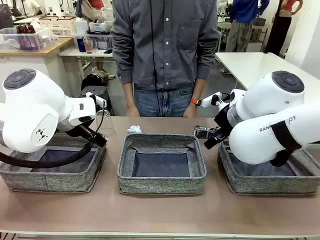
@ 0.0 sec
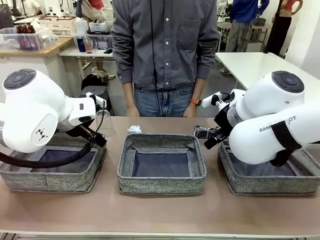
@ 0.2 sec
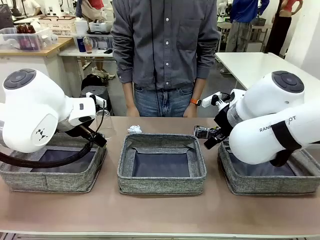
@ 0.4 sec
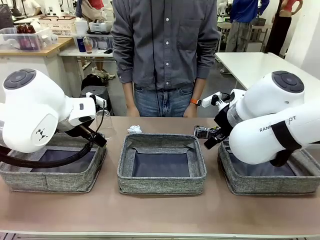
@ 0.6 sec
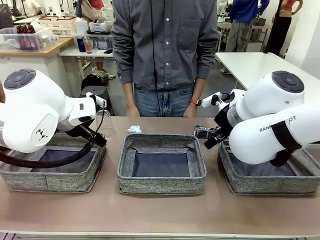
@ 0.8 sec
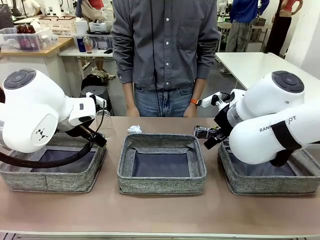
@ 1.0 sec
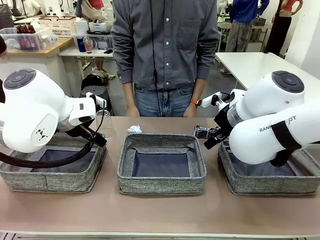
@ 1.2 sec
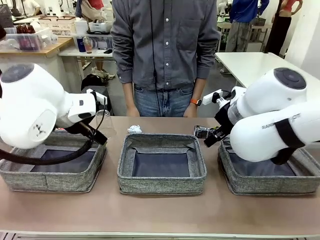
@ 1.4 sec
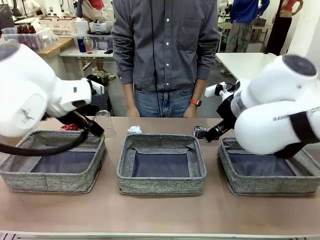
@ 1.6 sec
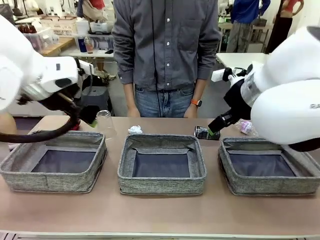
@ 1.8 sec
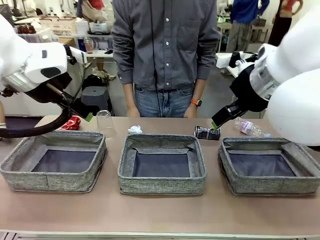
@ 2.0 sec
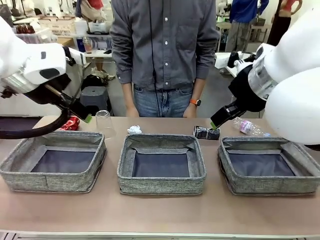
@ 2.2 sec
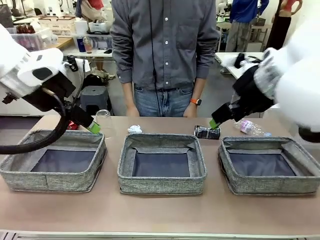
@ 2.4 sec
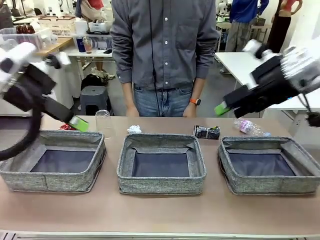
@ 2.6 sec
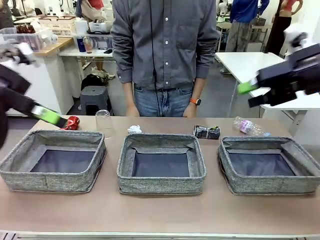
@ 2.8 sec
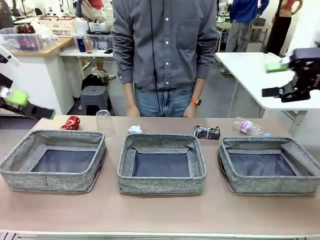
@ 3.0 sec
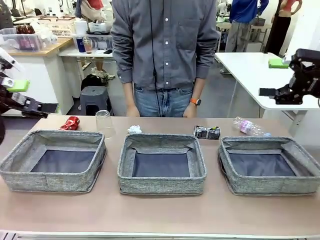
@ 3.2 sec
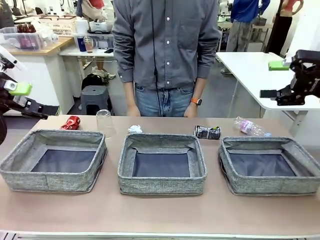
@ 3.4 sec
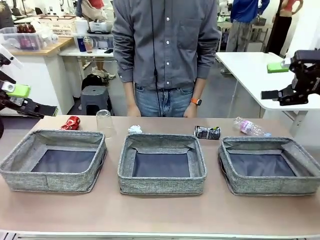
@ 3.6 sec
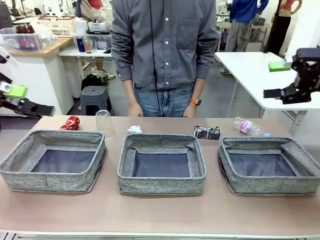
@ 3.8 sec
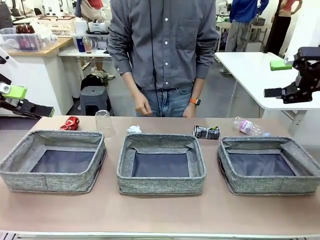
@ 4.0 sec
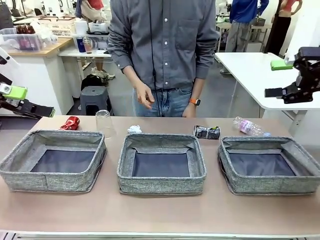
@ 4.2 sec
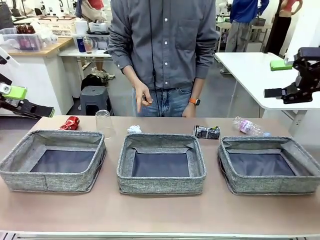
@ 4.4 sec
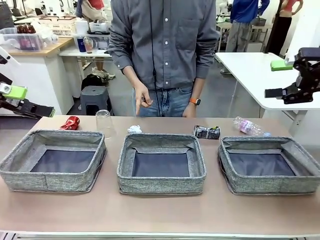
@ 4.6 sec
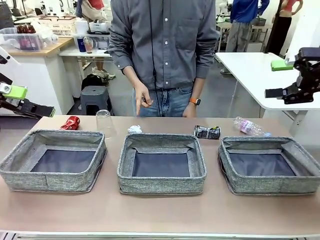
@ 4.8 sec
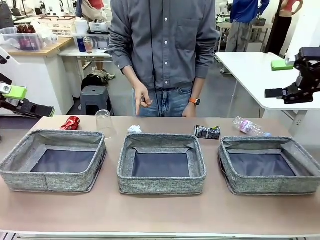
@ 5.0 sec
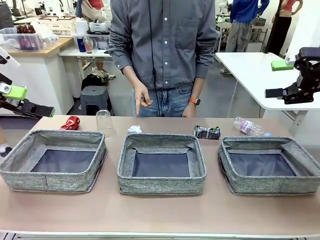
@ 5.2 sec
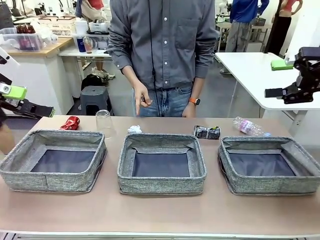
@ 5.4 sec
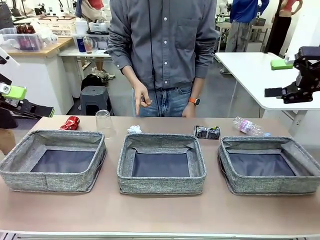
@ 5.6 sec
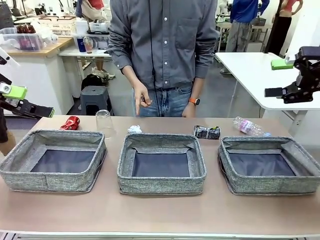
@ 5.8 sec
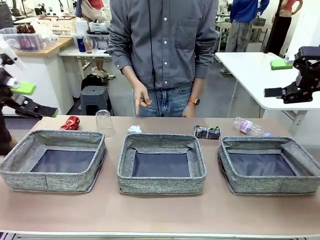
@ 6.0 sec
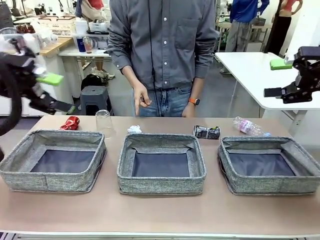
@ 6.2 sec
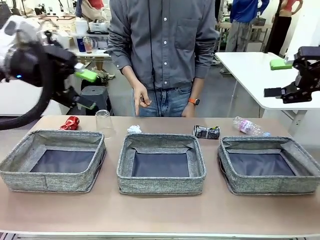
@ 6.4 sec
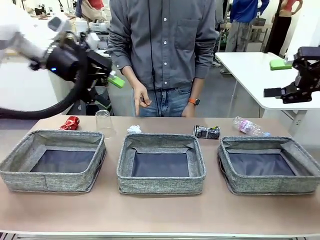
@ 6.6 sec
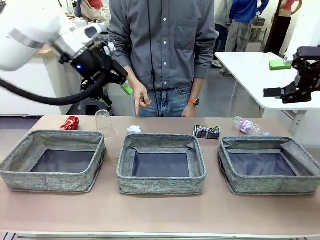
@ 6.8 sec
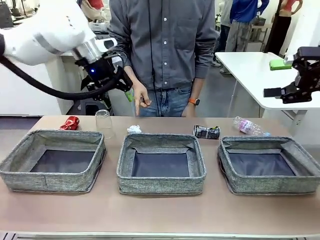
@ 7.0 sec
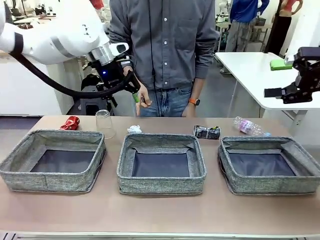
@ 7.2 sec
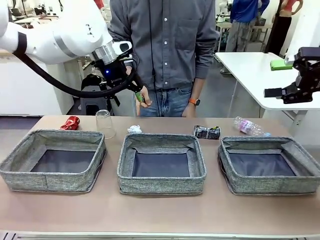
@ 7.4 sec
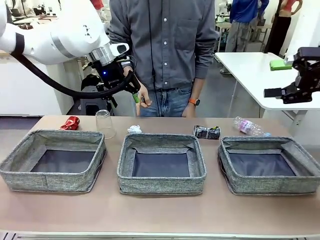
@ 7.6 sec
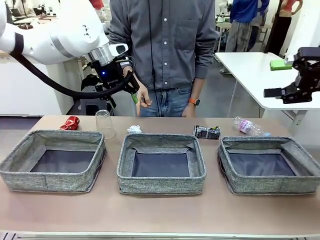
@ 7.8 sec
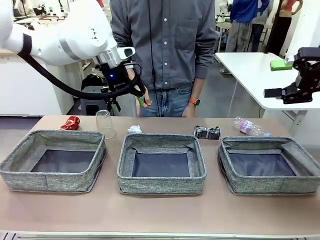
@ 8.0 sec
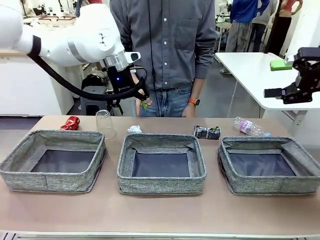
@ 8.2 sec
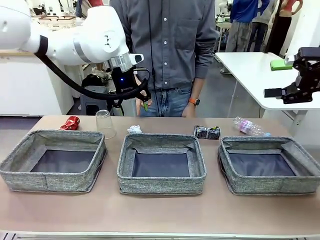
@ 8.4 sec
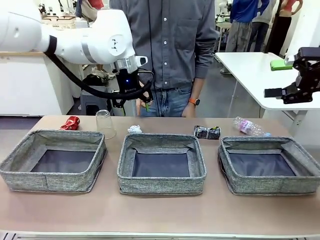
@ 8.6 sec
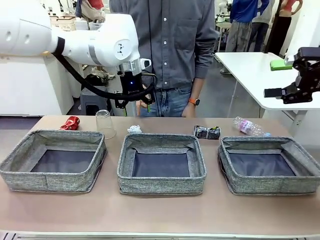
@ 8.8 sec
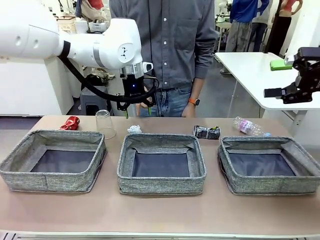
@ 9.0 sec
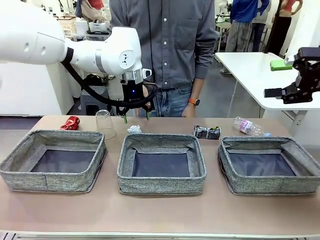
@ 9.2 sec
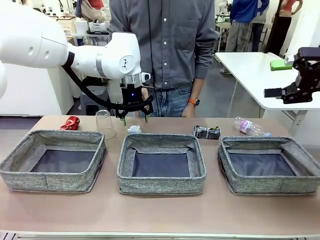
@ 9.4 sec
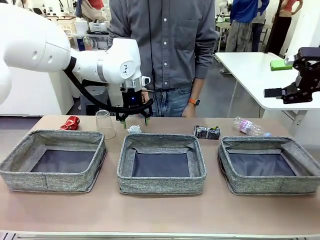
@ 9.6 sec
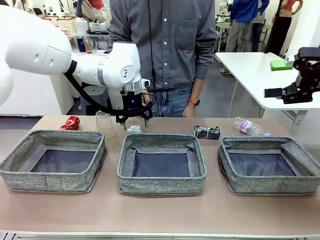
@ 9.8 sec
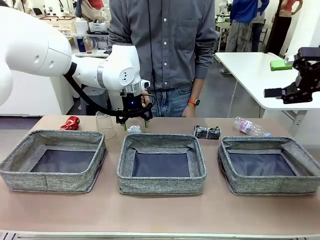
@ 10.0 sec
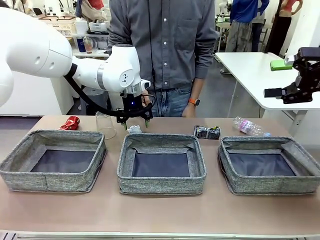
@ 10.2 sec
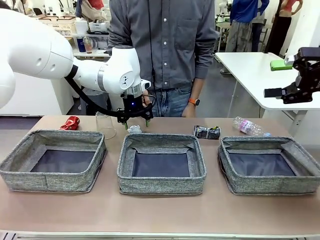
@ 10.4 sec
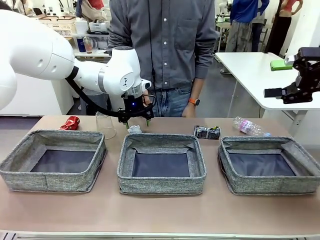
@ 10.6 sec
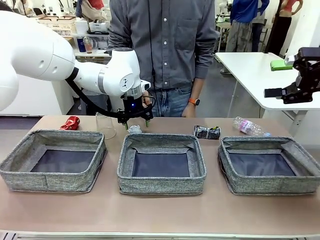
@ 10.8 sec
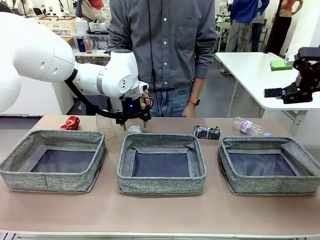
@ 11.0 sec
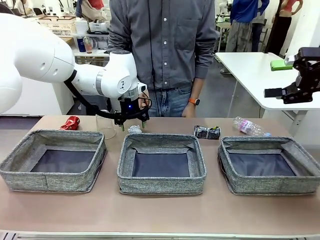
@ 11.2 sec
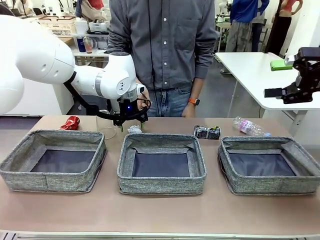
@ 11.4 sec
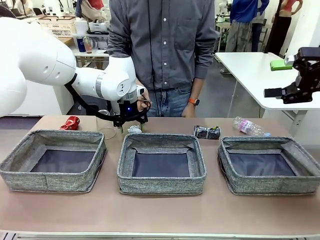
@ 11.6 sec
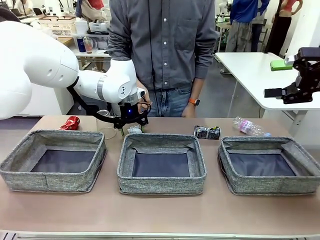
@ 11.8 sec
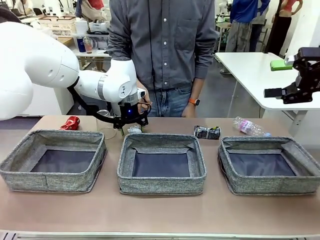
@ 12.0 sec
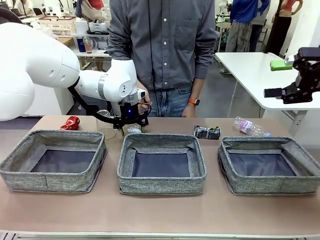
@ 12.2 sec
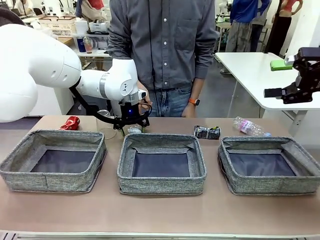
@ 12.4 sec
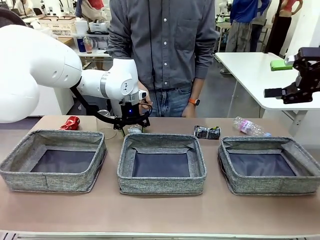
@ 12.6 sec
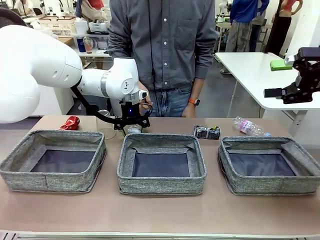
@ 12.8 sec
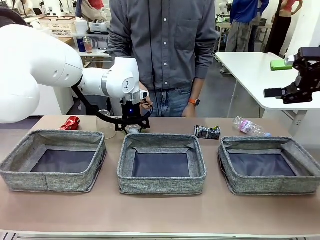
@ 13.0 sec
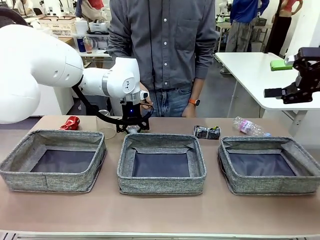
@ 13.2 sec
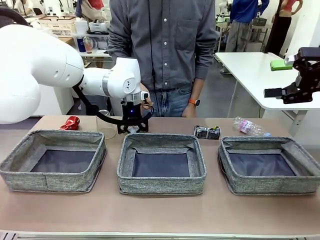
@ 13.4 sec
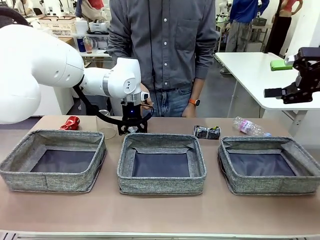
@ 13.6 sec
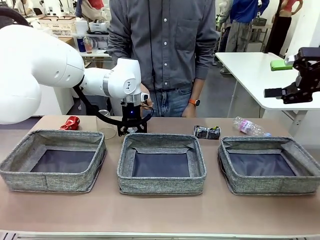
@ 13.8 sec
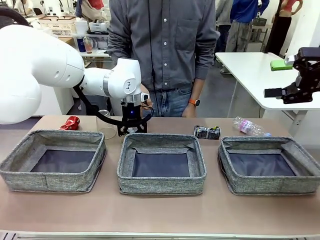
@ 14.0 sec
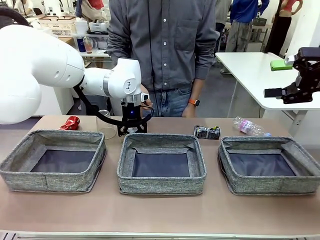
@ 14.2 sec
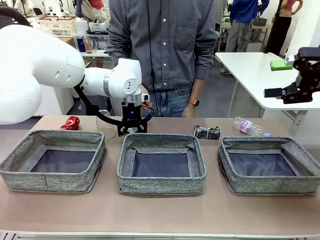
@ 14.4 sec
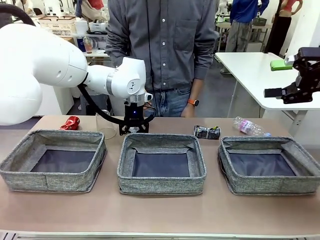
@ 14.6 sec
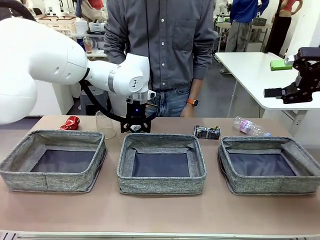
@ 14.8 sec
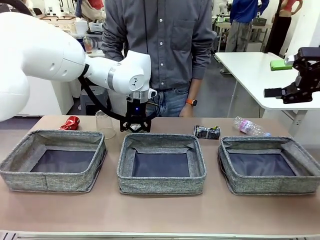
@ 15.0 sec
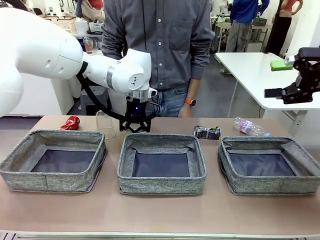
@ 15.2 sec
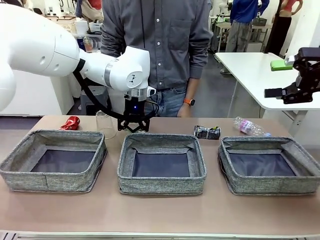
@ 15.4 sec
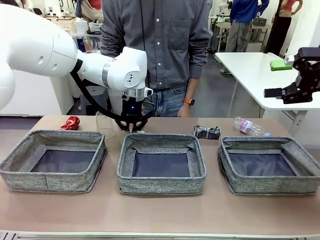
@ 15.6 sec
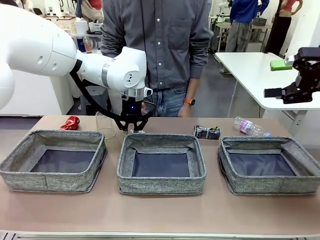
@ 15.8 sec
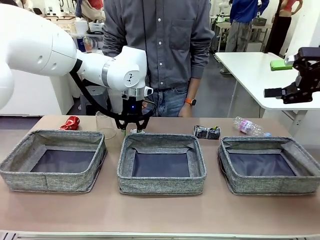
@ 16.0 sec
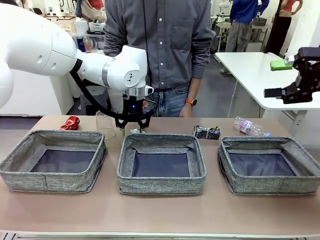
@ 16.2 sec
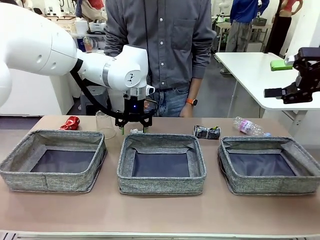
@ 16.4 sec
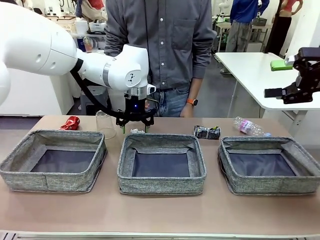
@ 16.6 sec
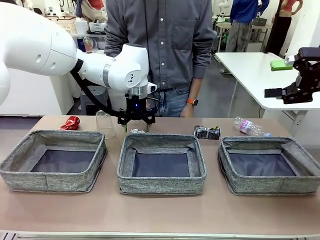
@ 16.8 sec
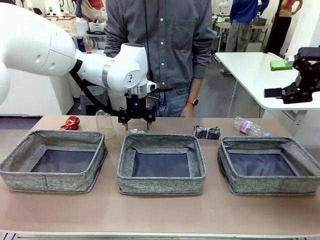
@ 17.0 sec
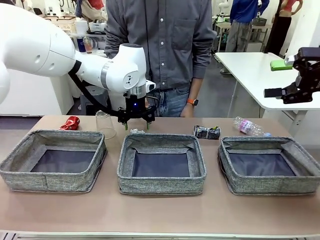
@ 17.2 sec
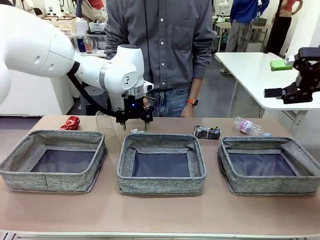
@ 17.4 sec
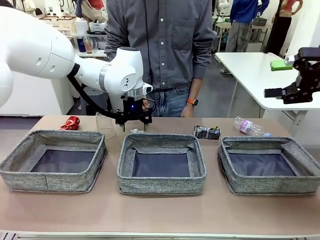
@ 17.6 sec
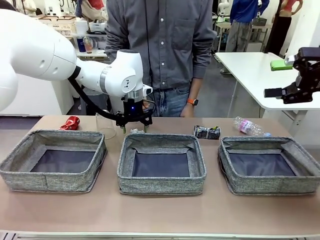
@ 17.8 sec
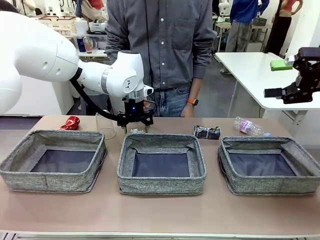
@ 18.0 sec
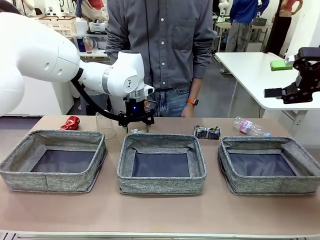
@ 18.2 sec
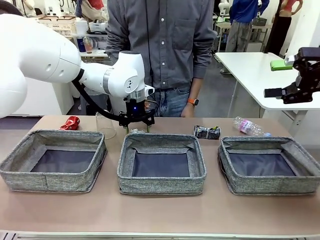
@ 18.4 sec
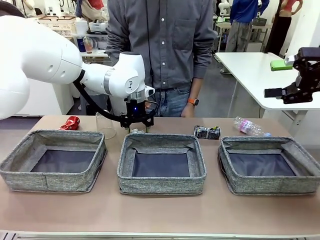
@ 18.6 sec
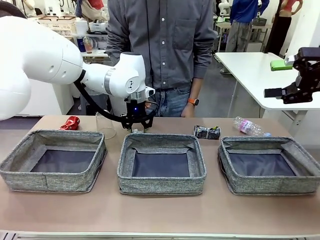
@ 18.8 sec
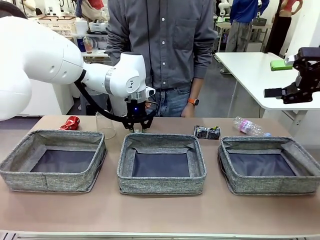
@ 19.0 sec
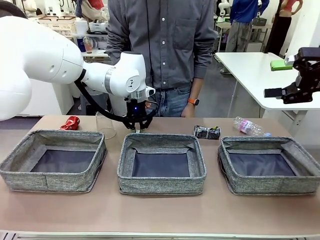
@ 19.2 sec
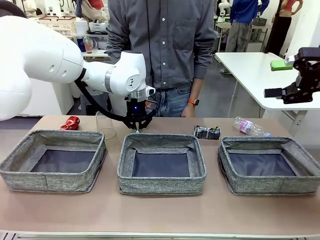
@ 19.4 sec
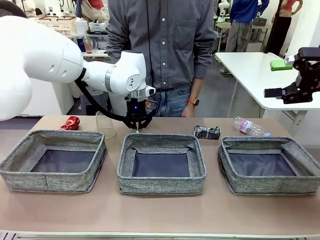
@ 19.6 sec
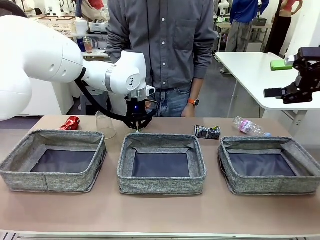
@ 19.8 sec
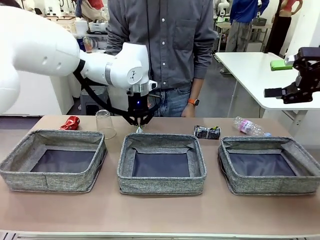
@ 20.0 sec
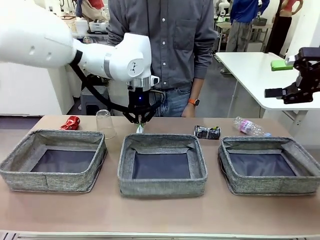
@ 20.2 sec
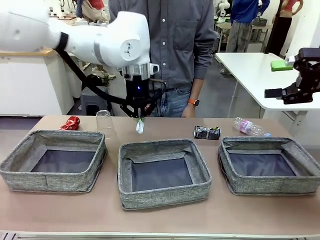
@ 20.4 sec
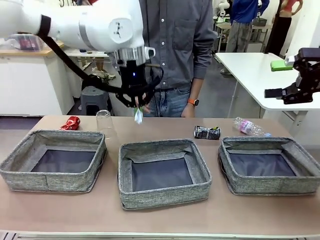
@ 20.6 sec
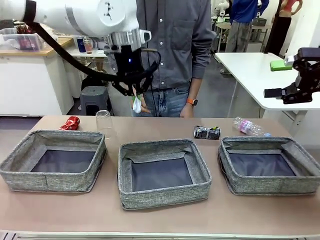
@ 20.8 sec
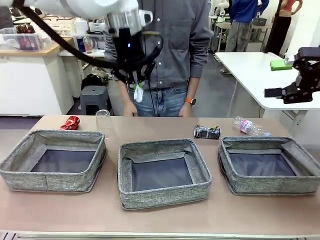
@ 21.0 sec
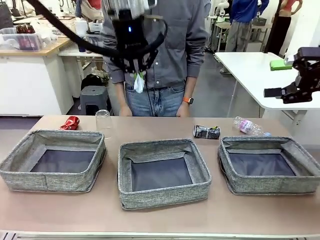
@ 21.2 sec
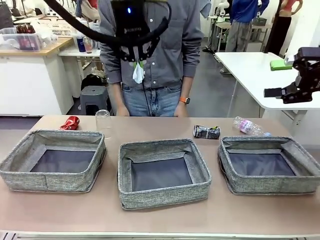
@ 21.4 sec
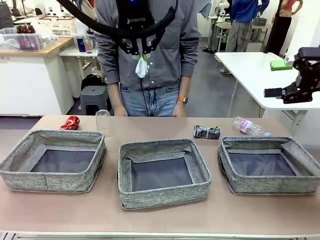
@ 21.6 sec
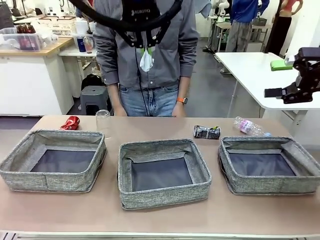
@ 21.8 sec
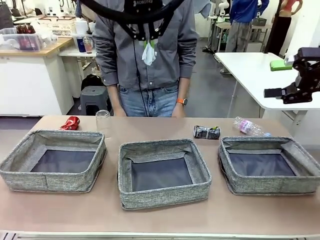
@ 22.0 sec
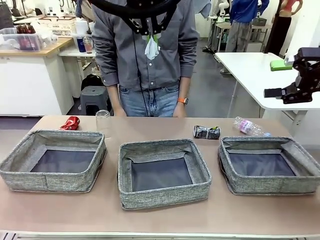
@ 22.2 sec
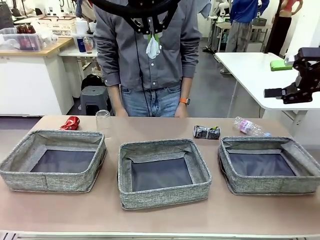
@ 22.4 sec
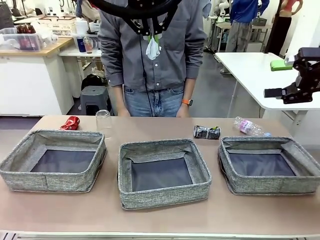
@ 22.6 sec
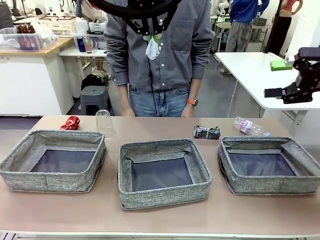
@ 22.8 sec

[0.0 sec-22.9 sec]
Task: Sort the waste into the appropriate baskets.
Robot: Pick up the waste item pointed out by the person.
Person: Points to one piece of trash on the table.
